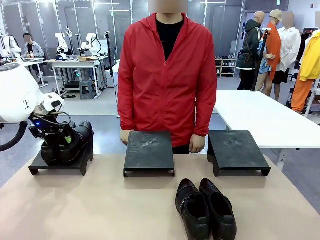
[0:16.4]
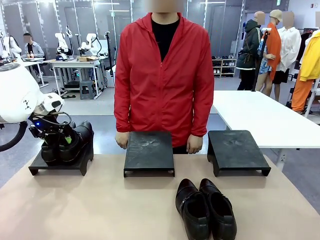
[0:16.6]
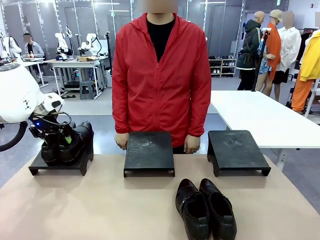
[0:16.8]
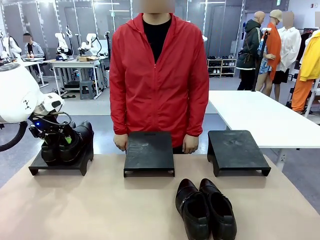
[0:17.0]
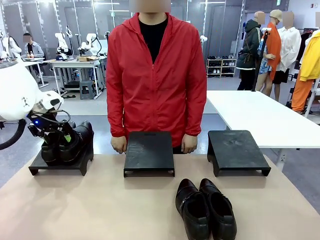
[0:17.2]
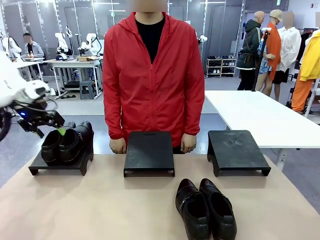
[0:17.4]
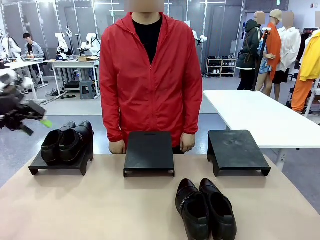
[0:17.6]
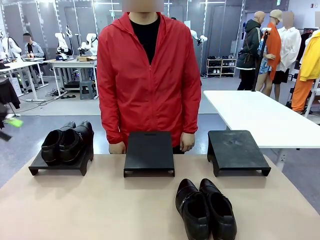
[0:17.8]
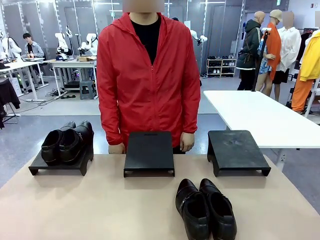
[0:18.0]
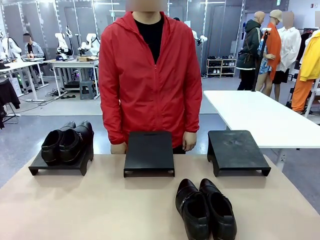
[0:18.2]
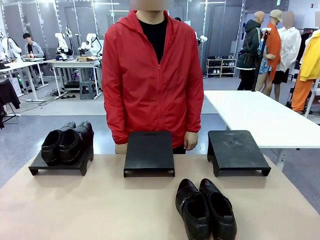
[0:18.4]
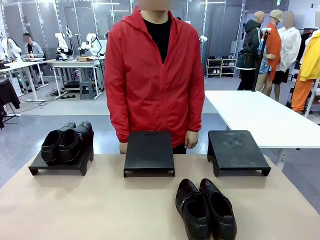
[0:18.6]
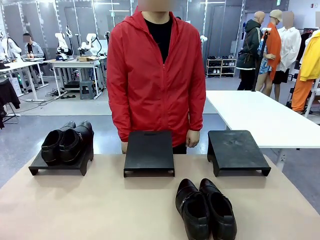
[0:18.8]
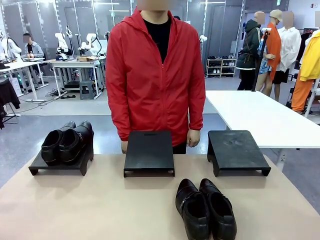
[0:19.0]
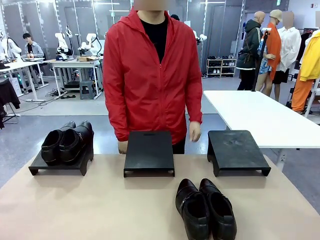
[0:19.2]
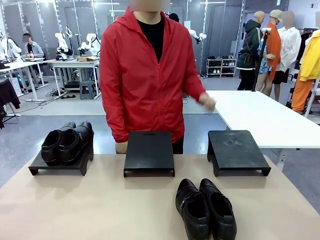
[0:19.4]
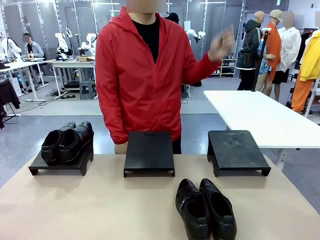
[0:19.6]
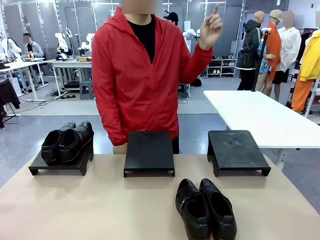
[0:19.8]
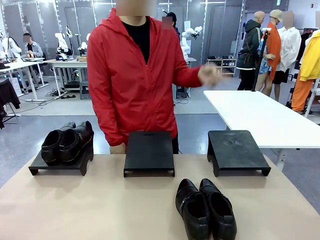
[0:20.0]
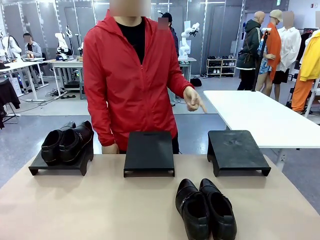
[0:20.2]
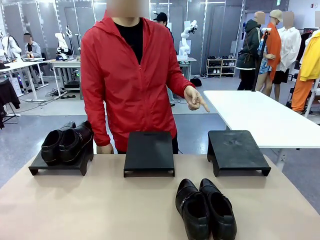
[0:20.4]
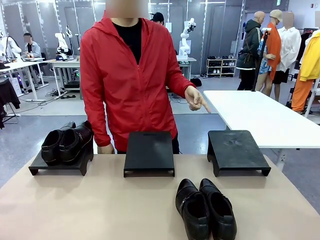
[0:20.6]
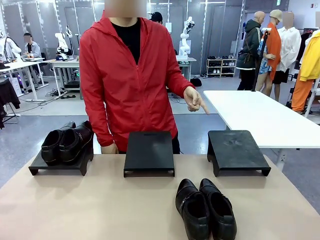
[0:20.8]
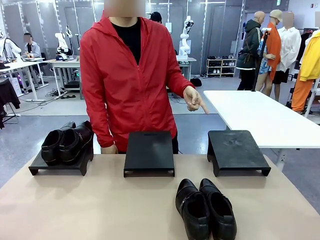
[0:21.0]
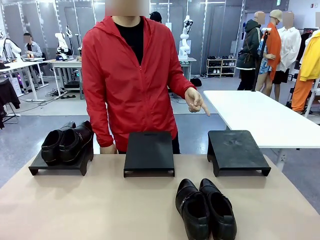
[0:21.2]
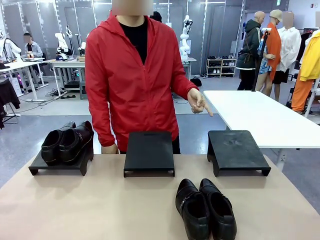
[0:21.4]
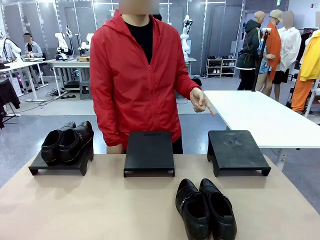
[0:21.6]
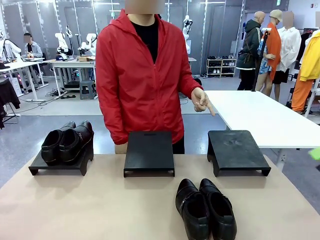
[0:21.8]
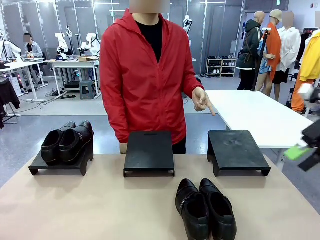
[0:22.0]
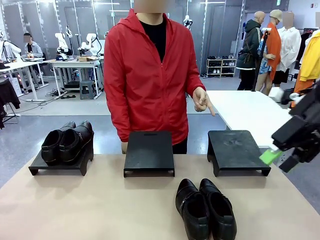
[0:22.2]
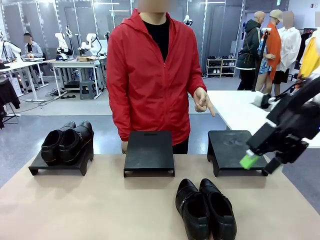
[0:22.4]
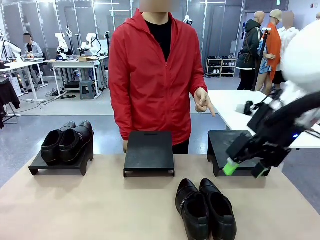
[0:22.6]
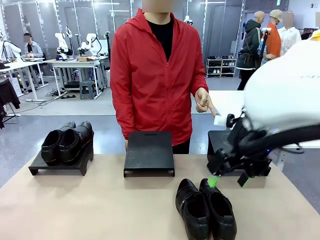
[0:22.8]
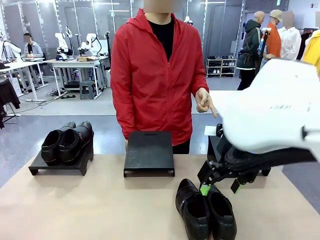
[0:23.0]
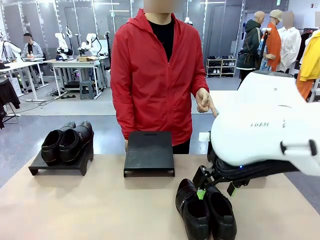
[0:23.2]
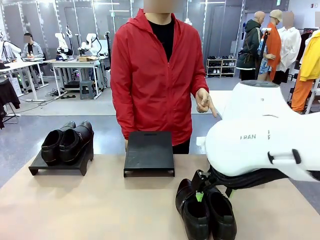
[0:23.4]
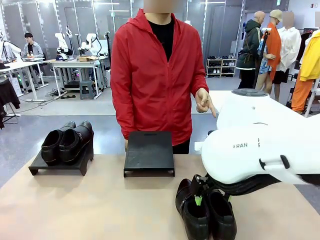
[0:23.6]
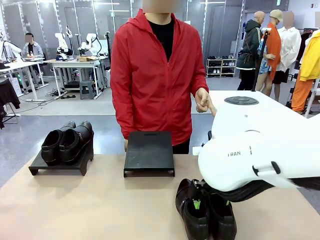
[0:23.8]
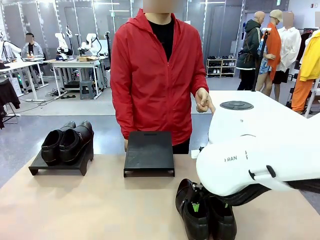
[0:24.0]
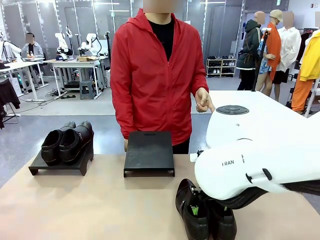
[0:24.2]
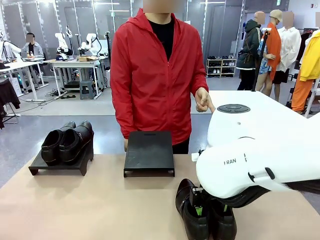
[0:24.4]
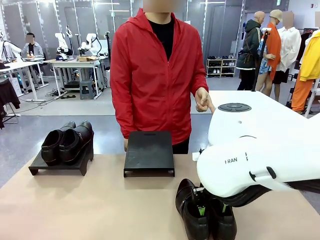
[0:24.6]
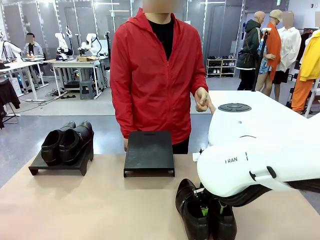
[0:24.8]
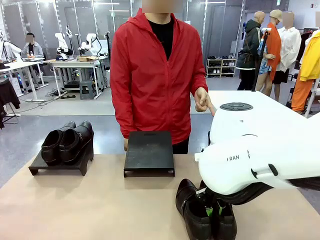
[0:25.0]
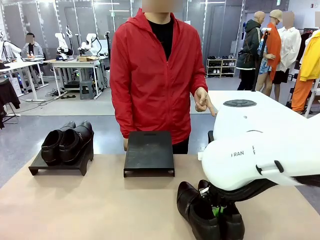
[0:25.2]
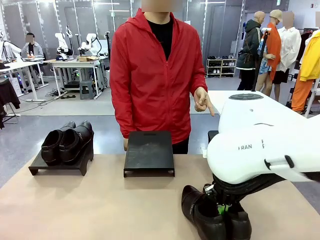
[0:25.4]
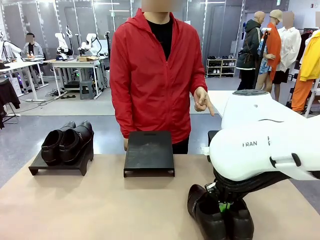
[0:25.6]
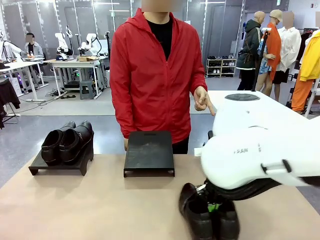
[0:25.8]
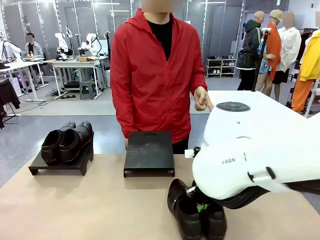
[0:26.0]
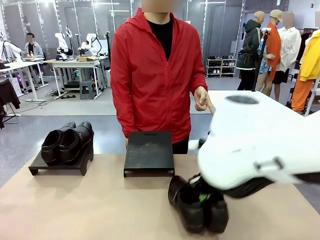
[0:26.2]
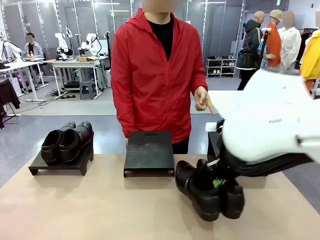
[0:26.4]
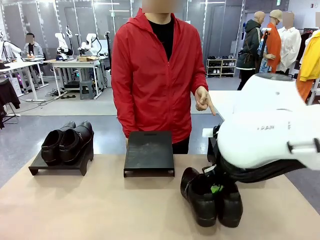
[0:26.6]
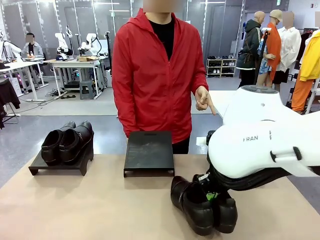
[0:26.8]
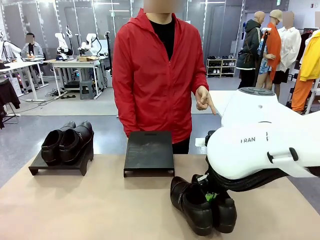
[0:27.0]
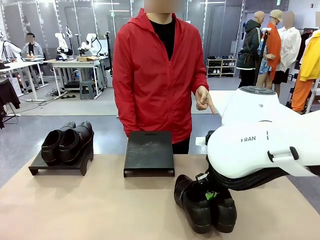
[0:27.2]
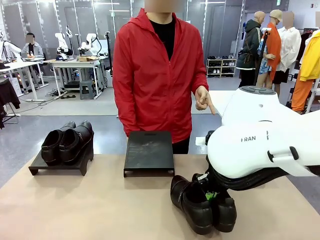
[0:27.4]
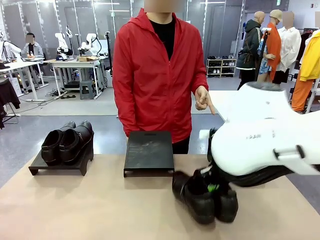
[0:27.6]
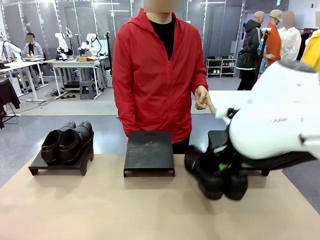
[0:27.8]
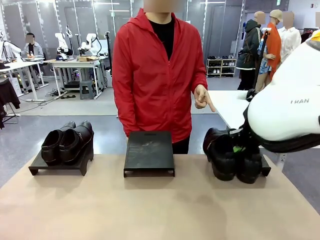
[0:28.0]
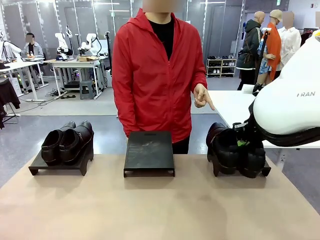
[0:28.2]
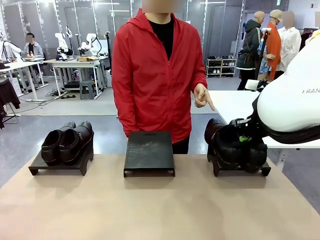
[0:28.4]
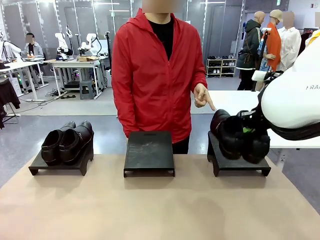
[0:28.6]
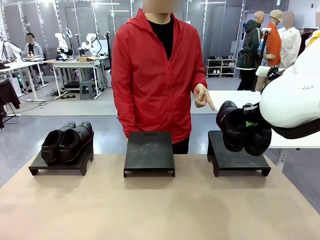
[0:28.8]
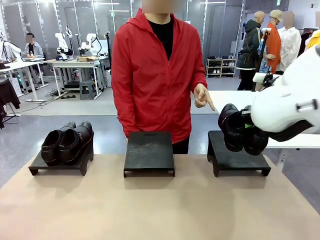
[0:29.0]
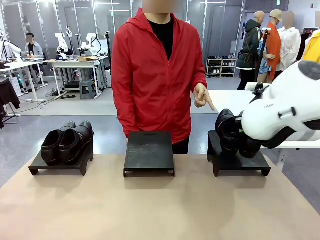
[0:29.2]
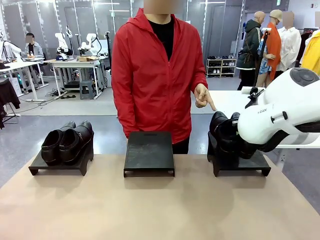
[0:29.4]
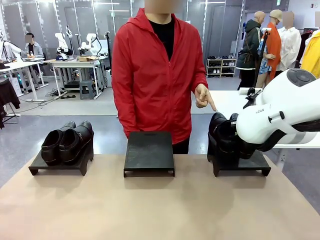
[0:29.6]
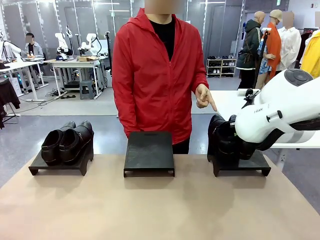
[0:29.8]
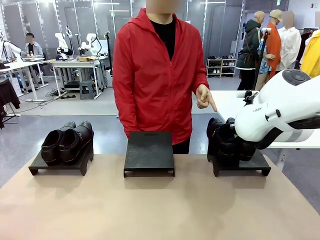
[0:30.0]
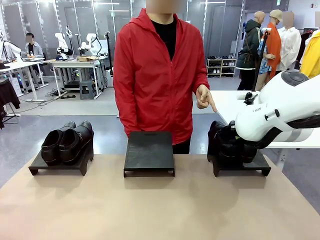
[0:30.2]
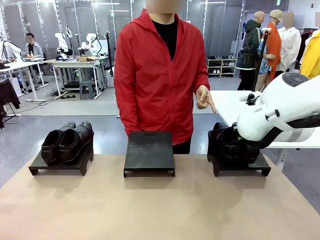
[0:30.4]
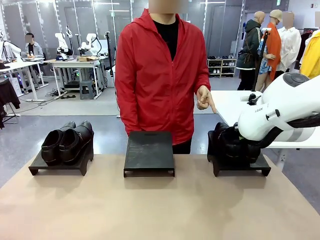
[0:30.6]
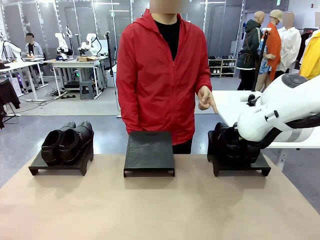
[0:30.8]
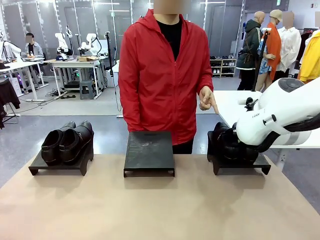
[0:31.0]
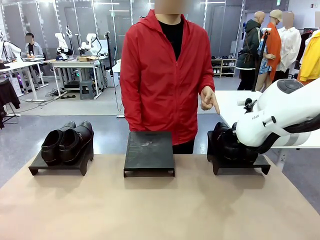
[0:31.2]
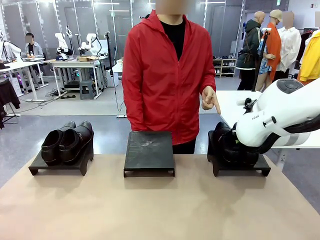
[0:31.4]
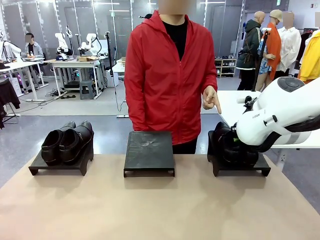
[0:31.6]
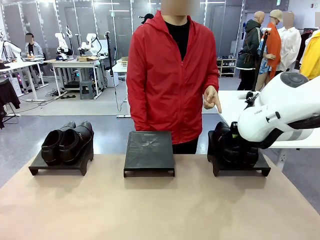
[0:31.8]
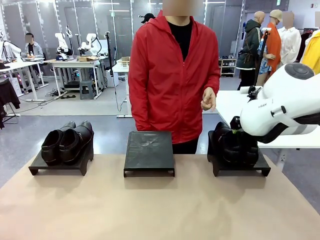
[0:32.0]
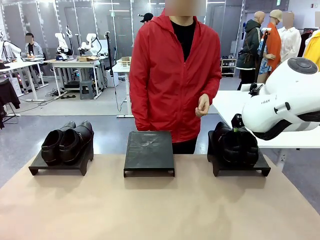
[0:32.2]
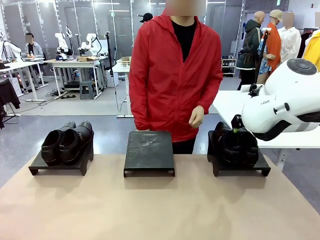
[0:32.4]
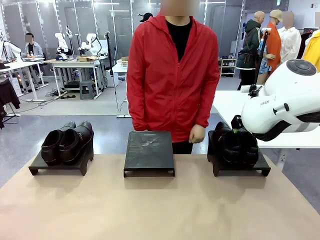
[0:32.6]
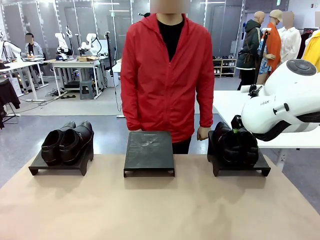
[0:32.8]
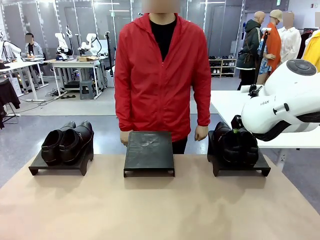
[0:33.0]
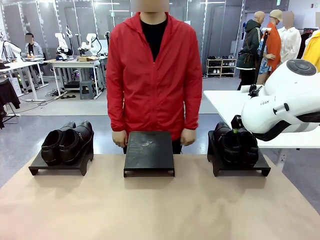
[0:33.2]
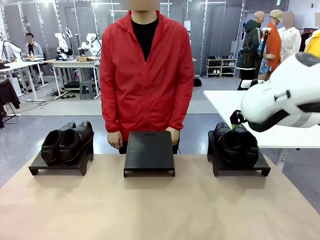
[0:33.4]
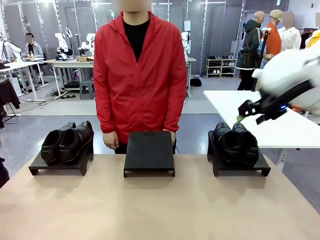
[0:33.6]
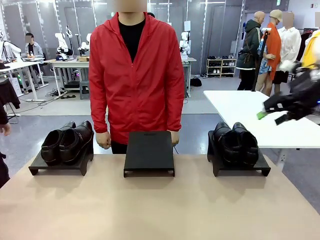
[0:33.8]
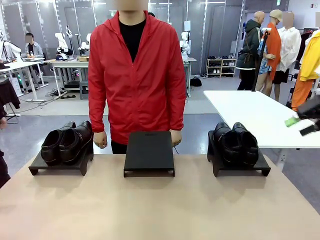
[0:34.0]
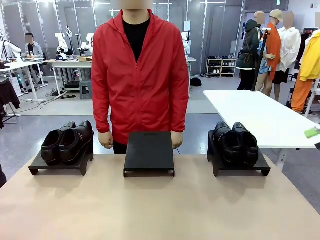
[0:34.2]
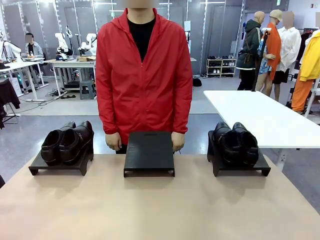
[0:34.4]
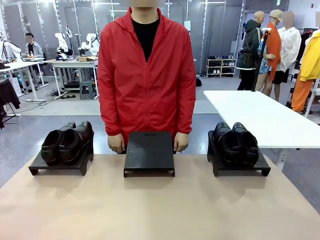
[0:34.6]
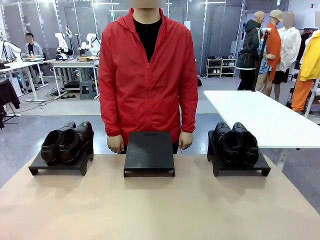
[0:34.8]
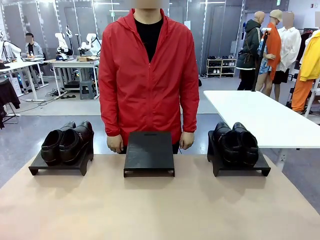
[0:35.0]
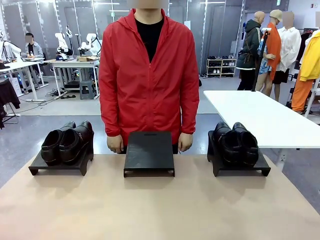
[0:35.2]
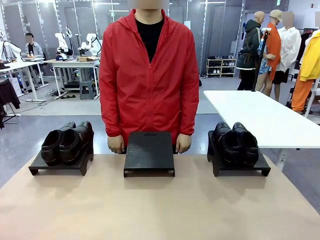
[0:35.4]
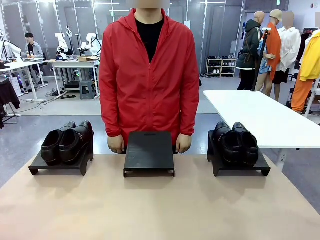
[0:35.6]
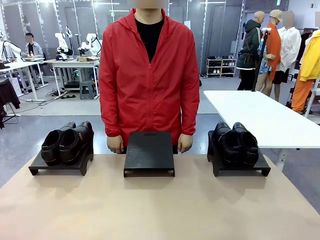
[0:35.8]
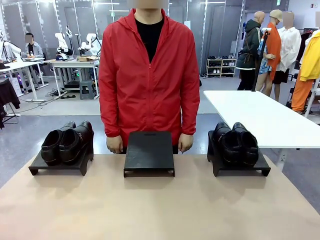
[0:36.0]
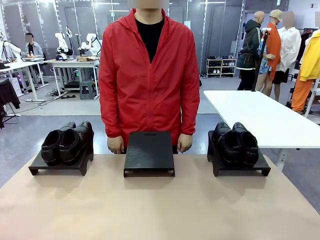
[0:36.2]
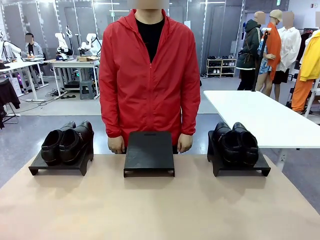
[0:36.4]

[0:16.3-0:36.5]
Task: Place the shoes on the stand as instructed by the person.
Robot: Pick up another pair of Shoes and place it on the Shoes Stand indicated by the person.
Person: Point to one Shoes Stand.
